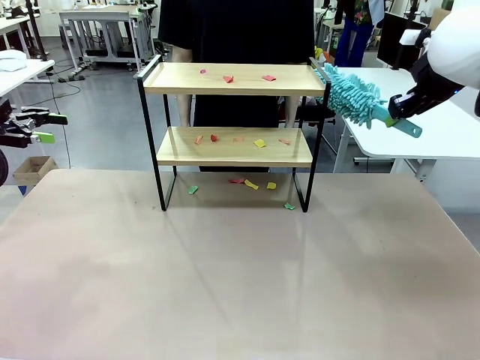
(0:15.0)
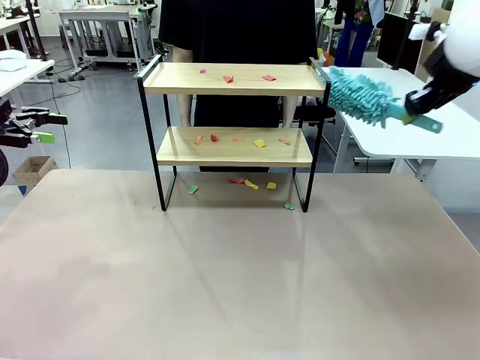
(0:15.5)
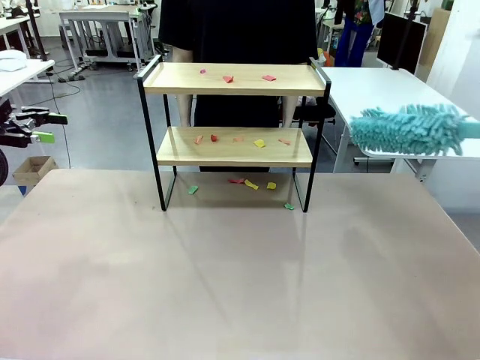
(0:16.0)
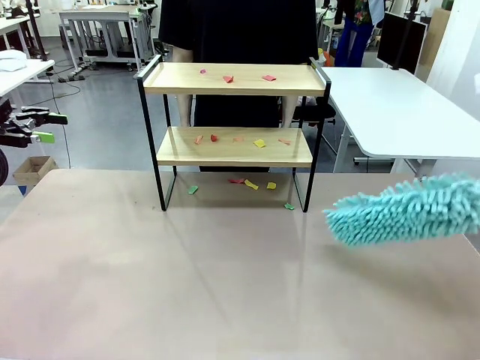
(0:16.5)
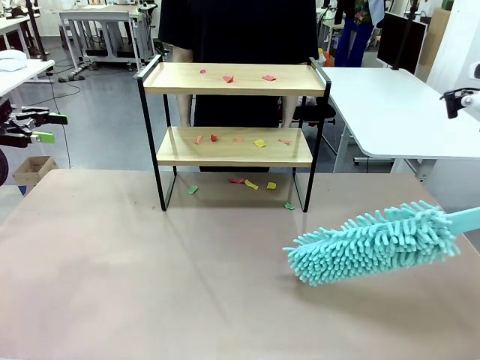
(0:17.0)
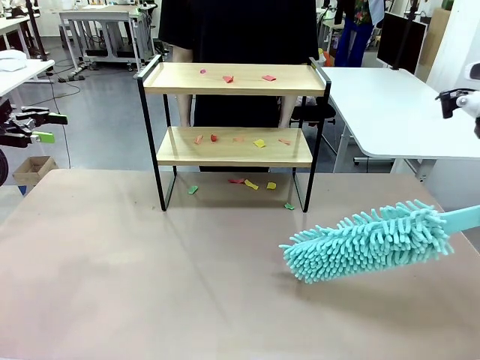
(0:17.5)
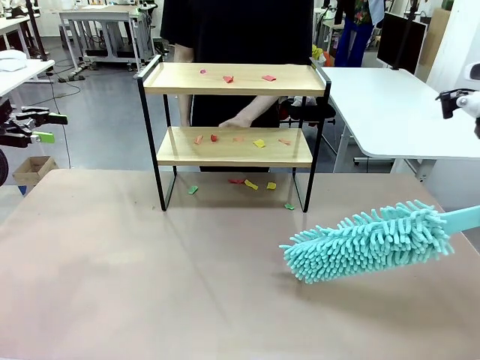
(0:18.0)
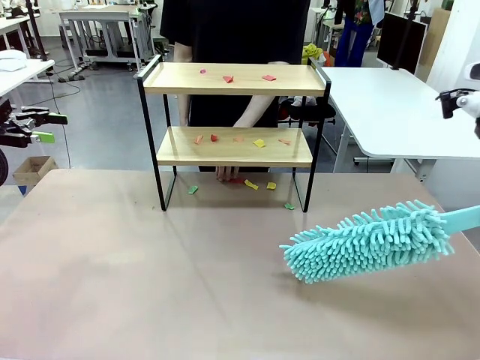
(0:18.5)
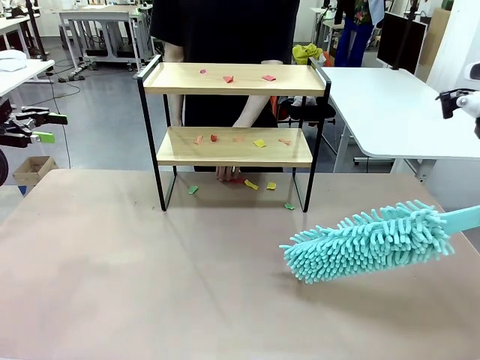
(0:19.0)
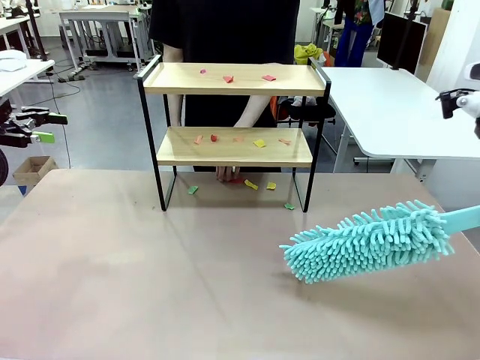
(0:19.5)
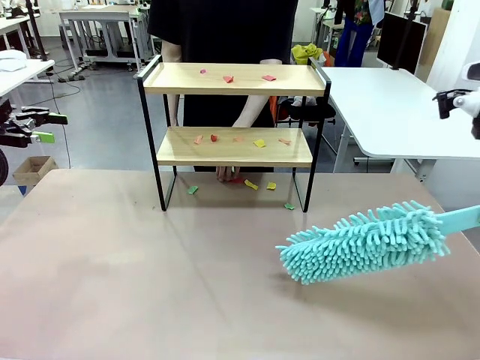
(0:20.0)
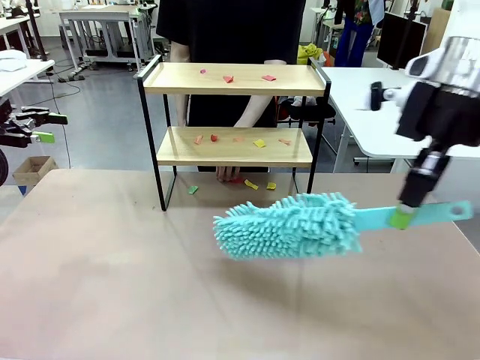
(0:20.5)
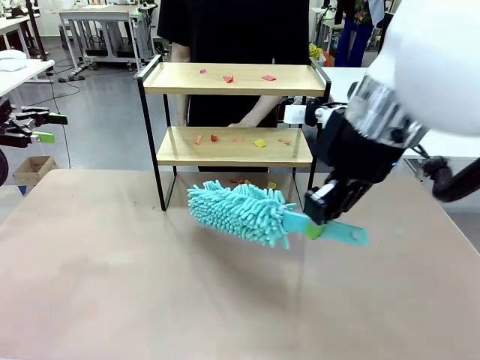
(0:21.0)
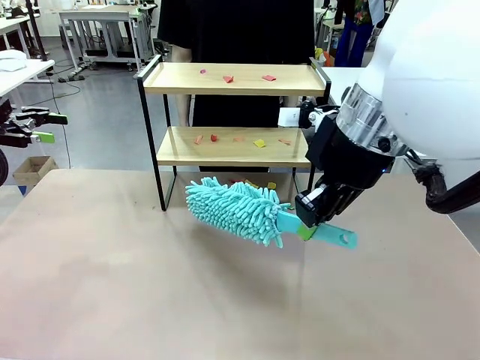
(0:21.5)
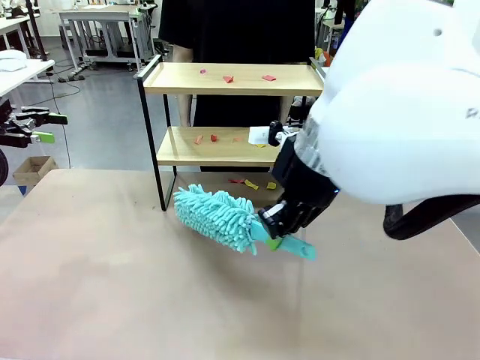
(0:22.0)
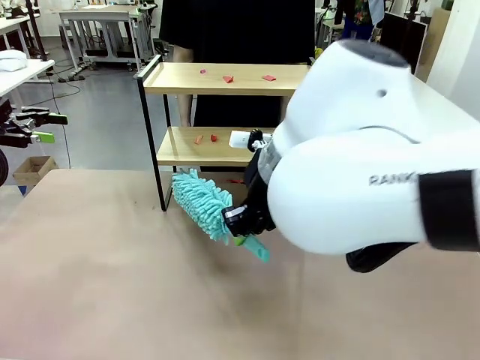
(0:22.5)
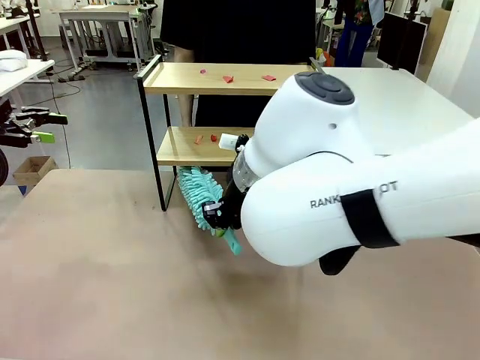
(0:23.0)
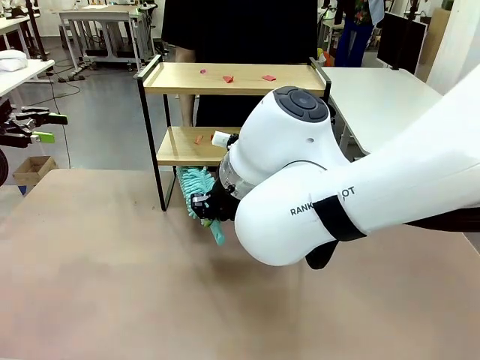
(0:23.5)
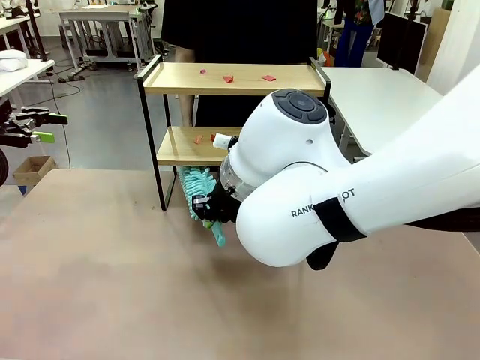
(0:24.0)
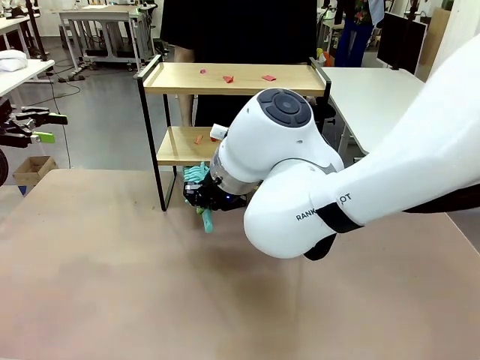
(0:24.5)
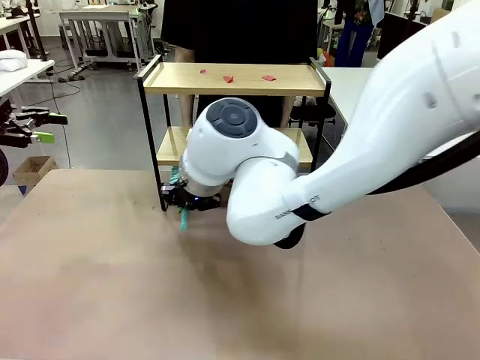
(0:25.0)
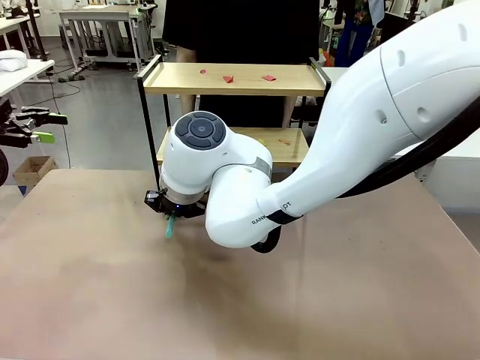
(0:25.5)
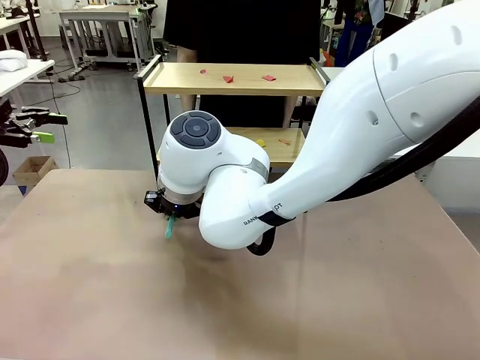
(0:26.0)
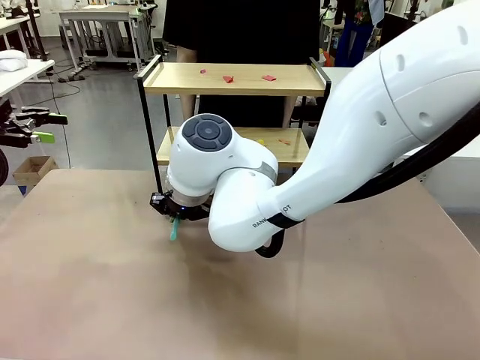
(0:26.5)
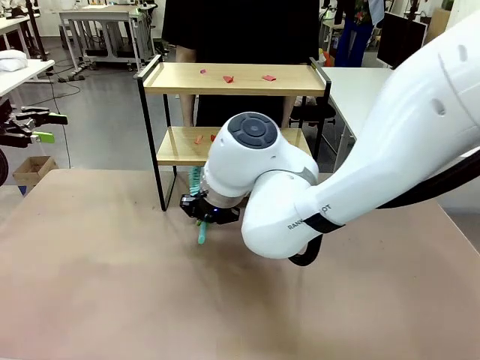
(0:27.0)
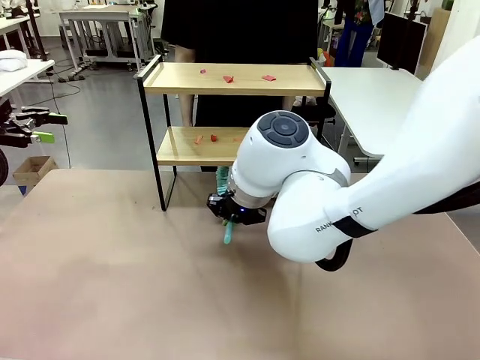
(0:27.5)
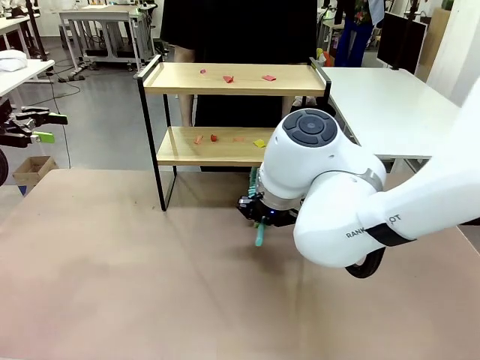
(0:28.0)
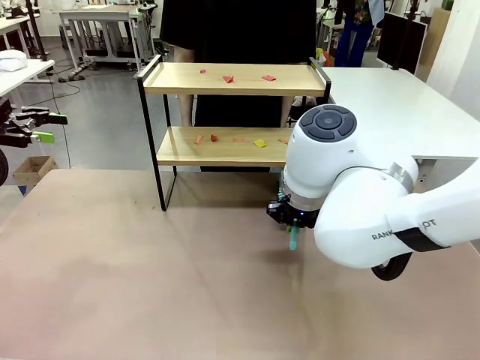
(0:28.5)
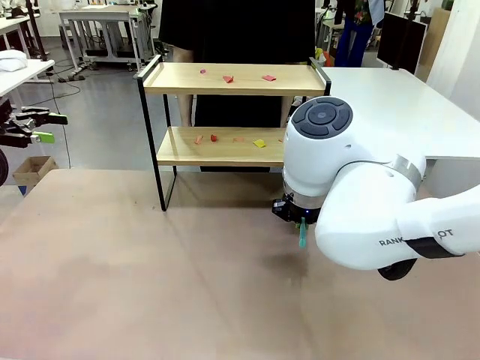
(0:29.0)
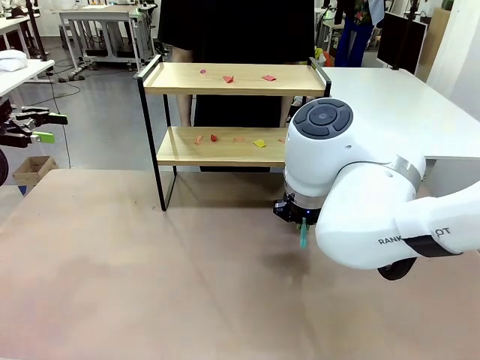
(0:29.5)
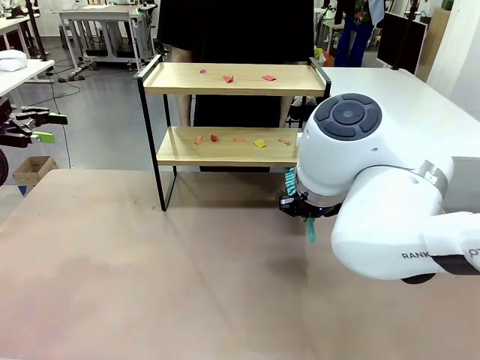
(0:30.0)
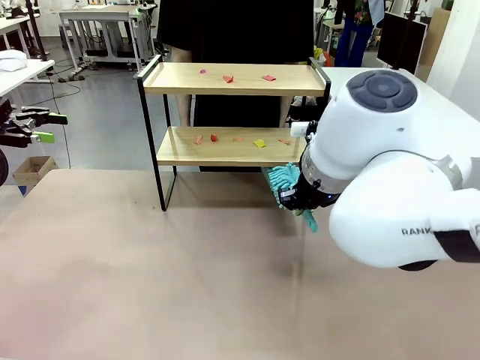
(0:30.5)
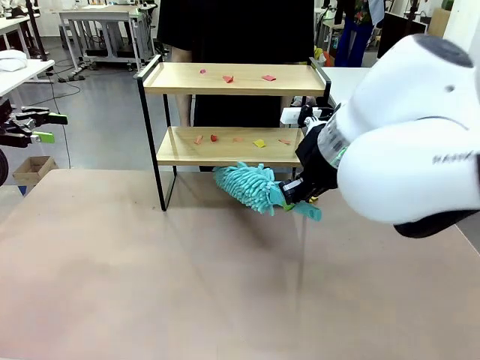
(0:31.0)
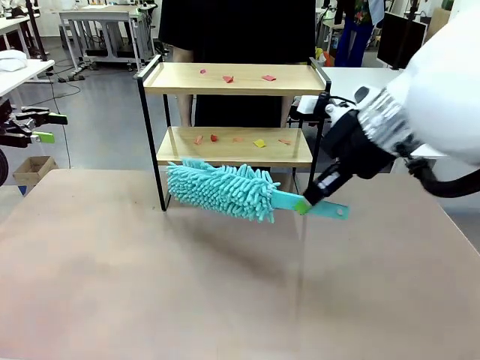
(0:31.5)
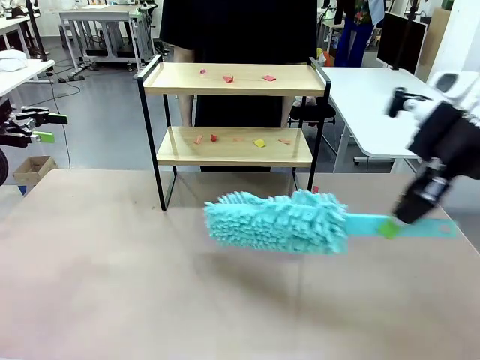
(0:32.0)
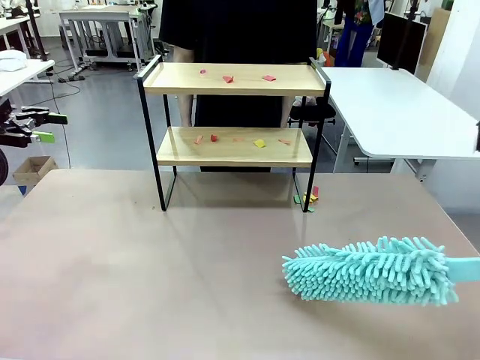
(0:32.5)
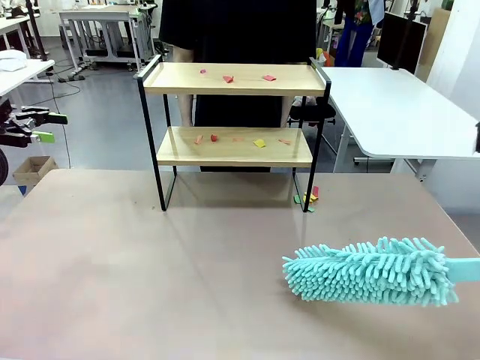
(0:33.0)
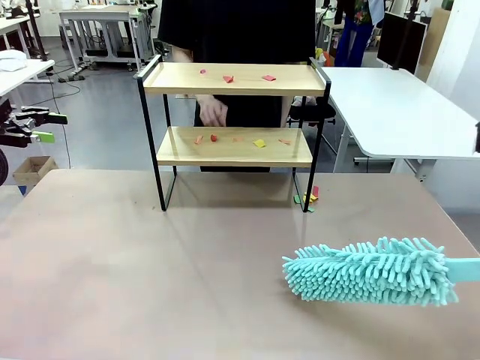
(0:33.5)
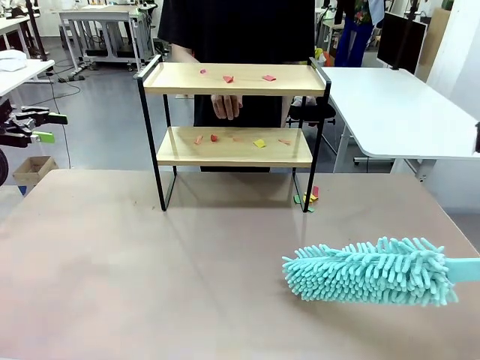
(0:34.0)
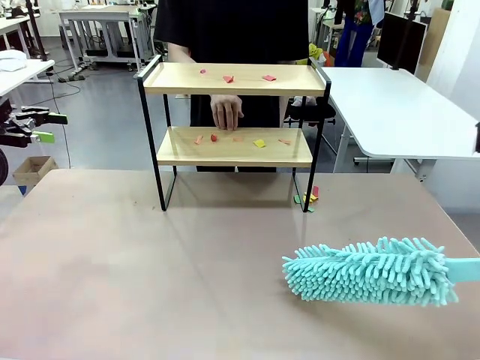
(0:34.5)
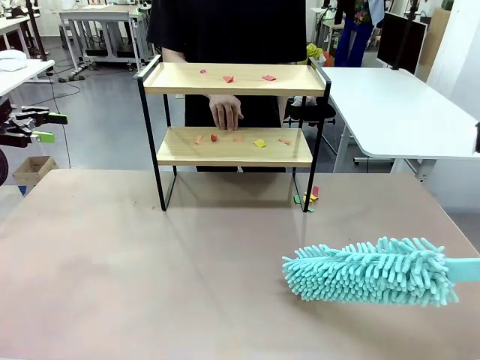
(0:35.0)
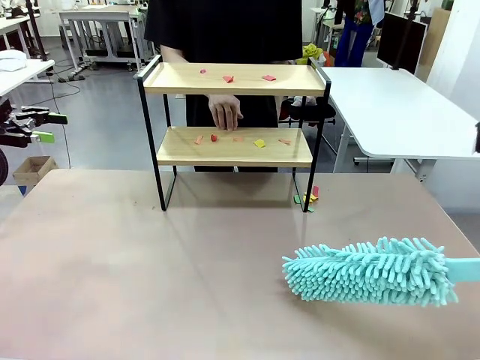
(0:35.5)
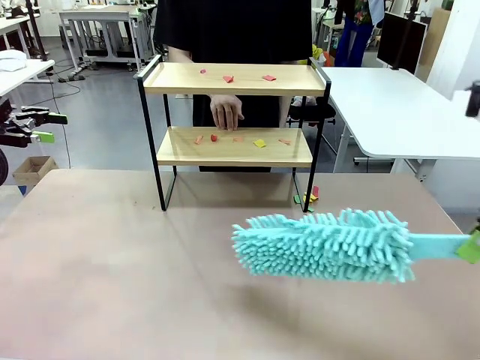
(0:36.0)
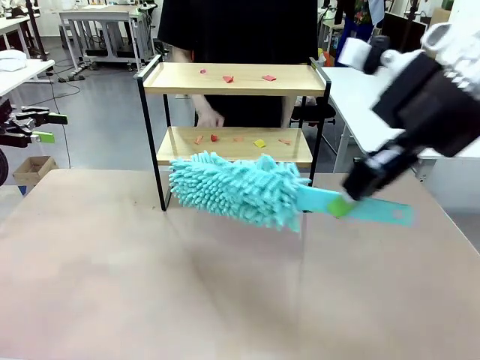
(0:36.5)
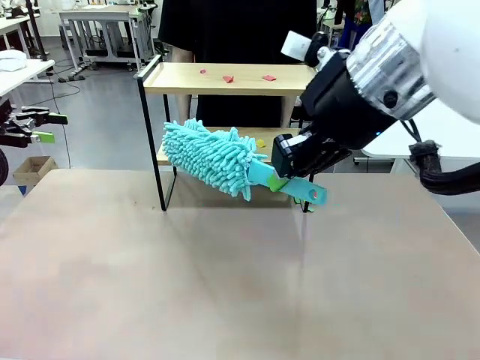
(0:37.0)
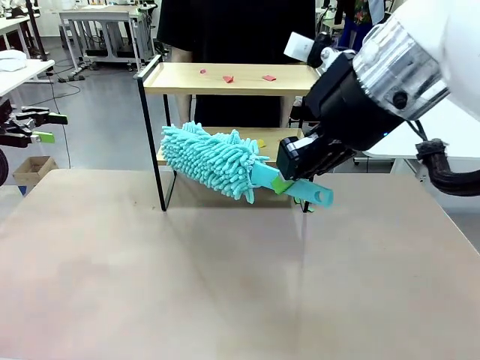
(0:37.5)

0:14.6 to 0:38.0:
Task: Clean the shelf.
Robot: Clean the specific section of the Shelf indicated by the human with the Duster.
Person: Point a random section of the Shelf.
